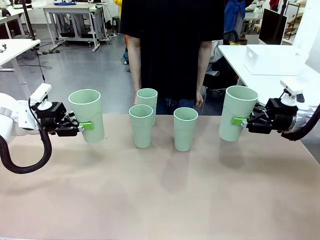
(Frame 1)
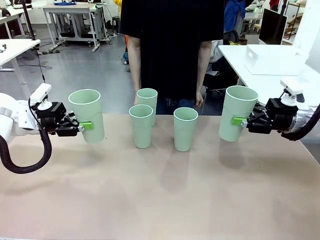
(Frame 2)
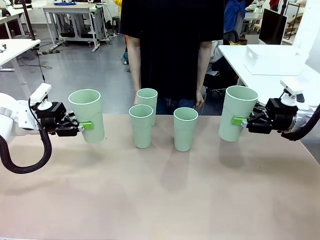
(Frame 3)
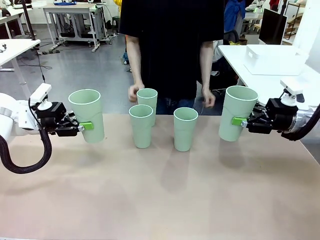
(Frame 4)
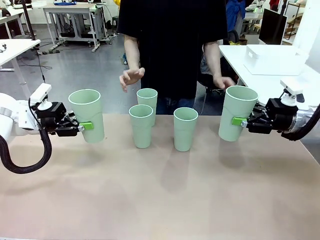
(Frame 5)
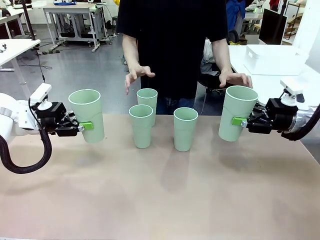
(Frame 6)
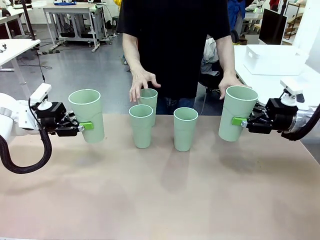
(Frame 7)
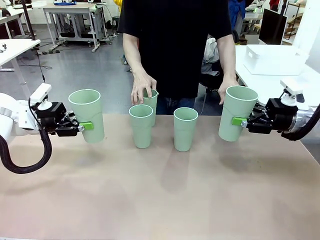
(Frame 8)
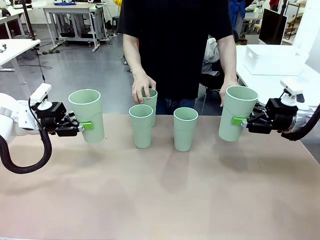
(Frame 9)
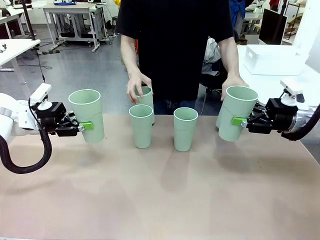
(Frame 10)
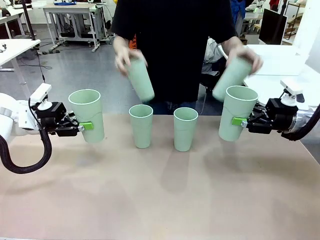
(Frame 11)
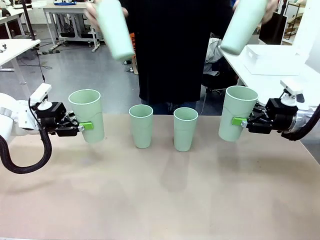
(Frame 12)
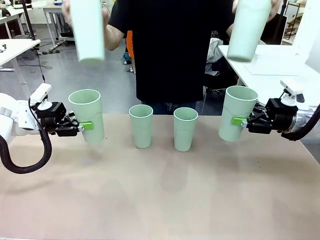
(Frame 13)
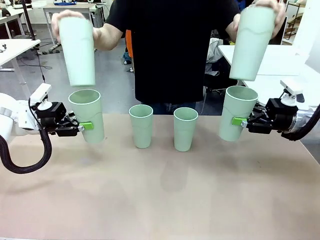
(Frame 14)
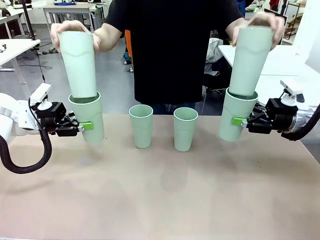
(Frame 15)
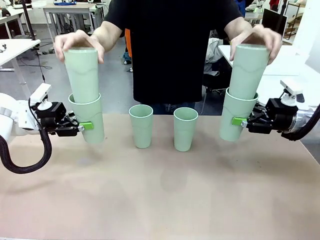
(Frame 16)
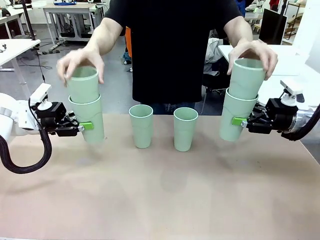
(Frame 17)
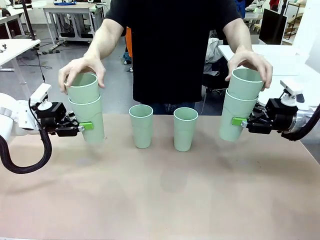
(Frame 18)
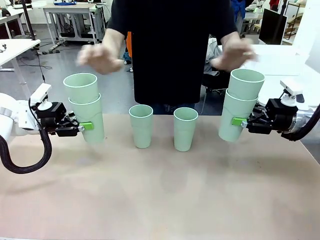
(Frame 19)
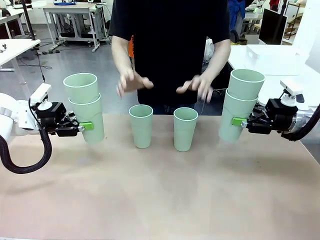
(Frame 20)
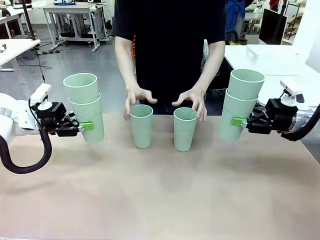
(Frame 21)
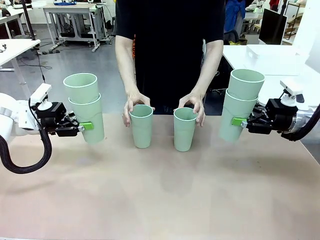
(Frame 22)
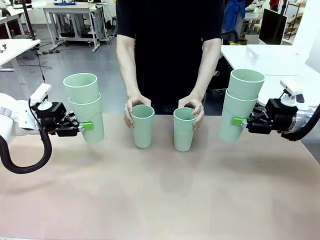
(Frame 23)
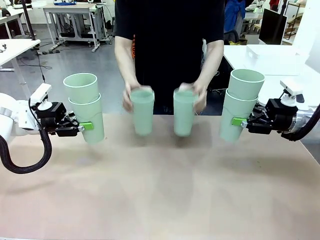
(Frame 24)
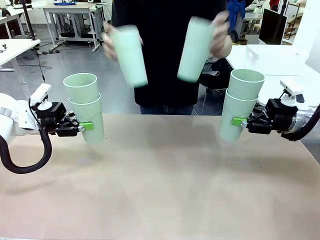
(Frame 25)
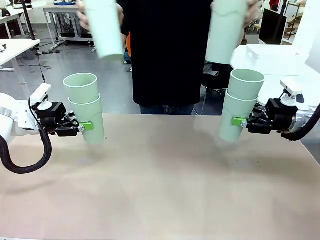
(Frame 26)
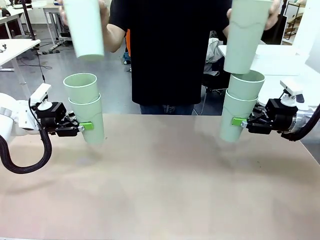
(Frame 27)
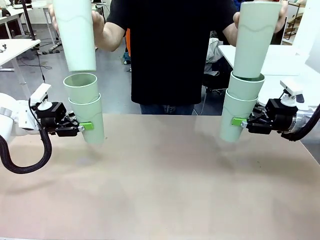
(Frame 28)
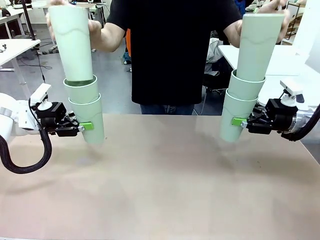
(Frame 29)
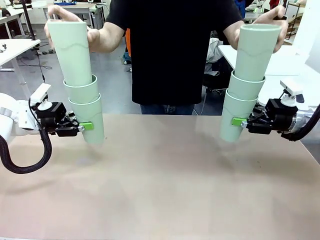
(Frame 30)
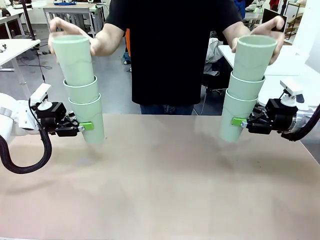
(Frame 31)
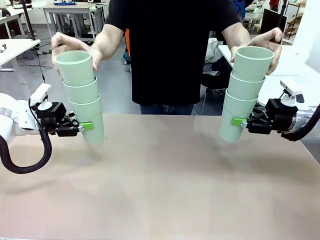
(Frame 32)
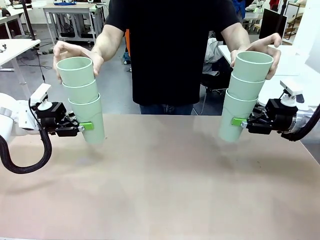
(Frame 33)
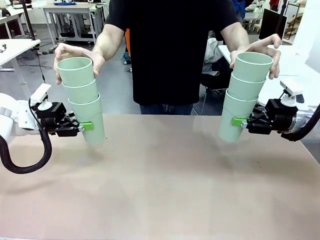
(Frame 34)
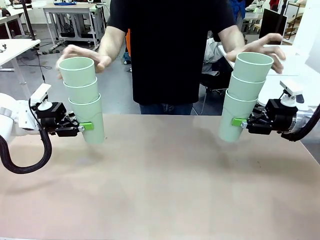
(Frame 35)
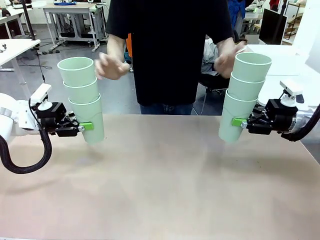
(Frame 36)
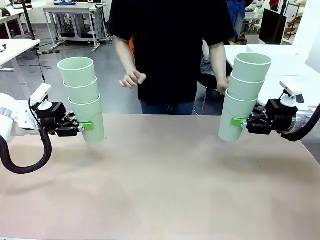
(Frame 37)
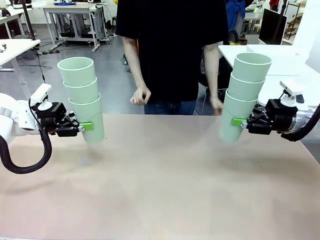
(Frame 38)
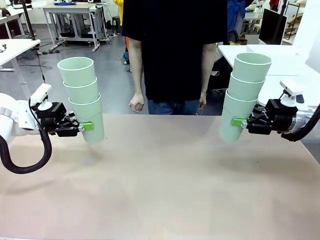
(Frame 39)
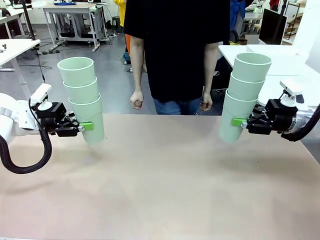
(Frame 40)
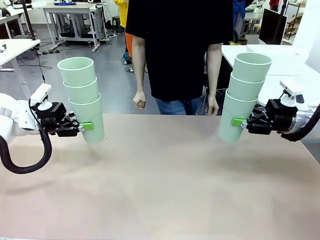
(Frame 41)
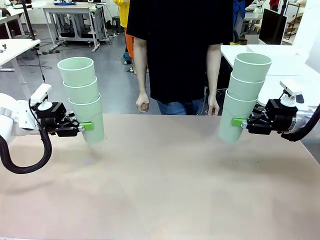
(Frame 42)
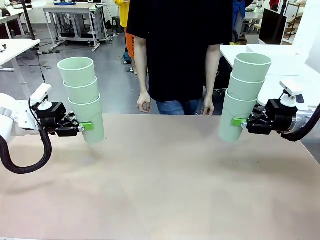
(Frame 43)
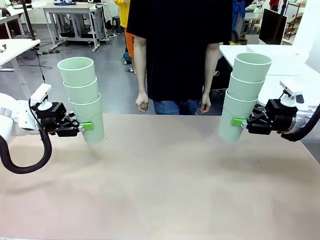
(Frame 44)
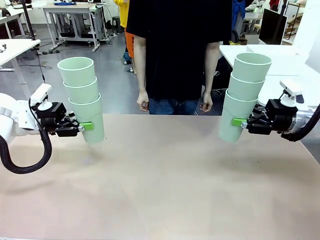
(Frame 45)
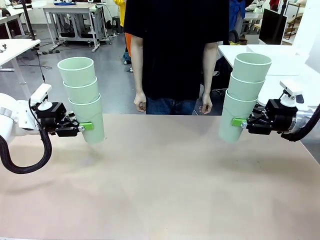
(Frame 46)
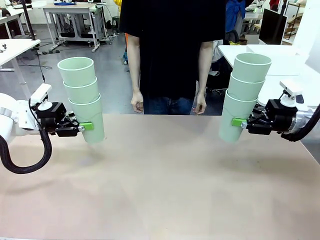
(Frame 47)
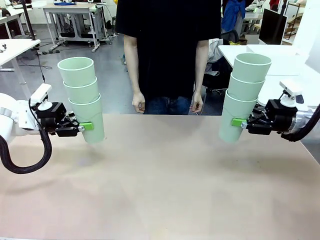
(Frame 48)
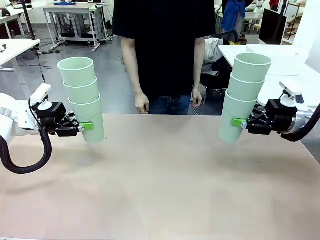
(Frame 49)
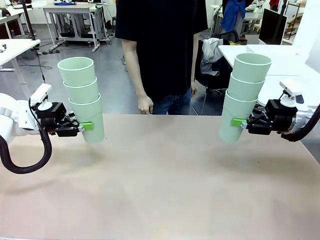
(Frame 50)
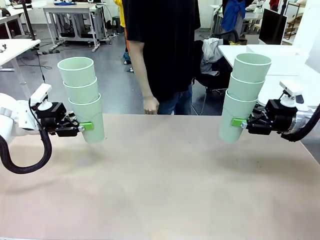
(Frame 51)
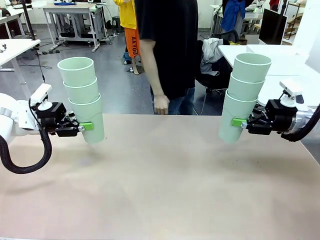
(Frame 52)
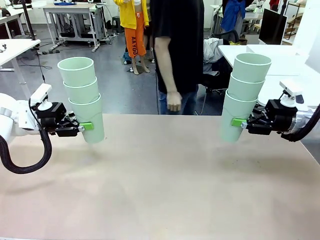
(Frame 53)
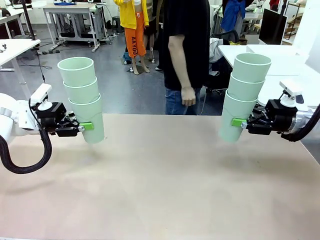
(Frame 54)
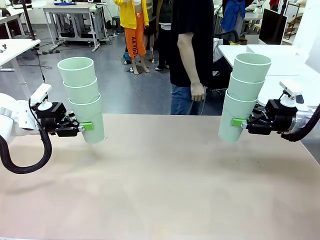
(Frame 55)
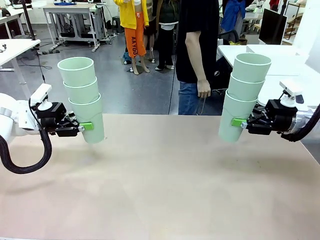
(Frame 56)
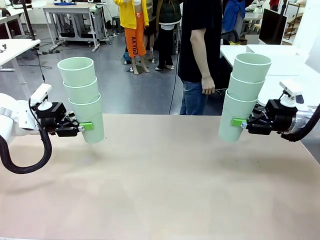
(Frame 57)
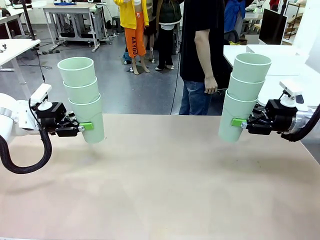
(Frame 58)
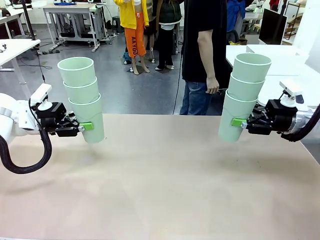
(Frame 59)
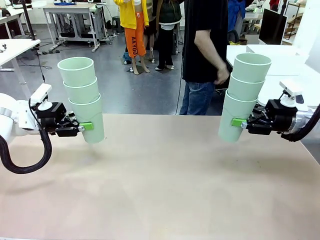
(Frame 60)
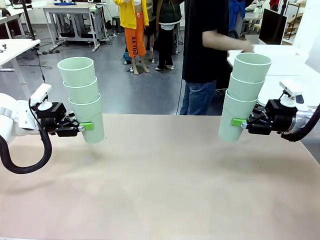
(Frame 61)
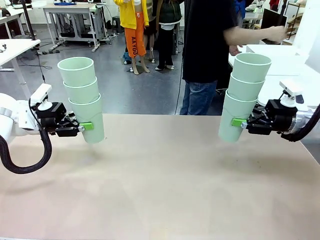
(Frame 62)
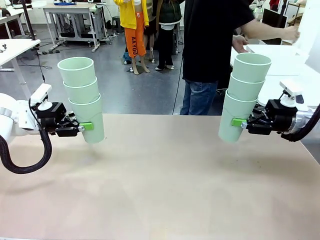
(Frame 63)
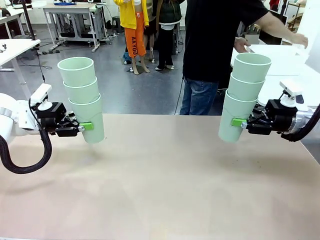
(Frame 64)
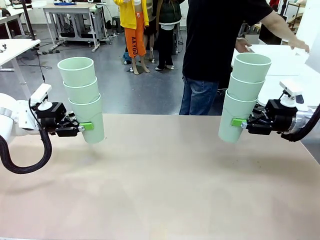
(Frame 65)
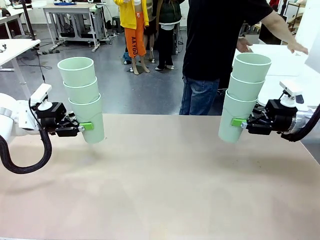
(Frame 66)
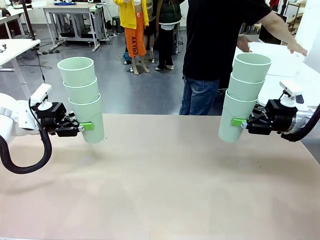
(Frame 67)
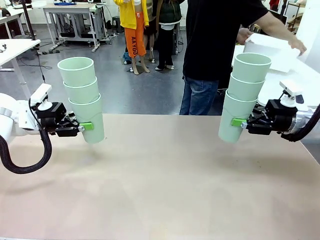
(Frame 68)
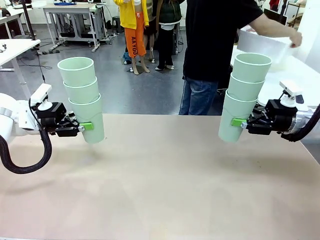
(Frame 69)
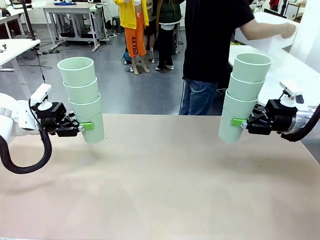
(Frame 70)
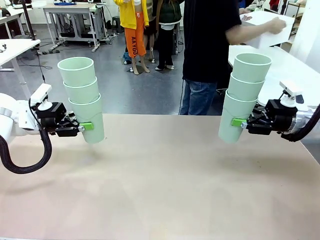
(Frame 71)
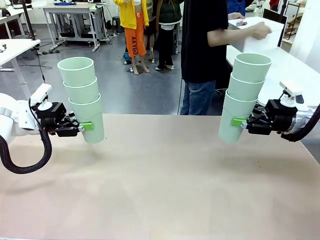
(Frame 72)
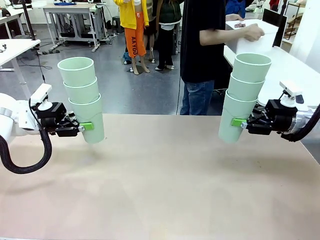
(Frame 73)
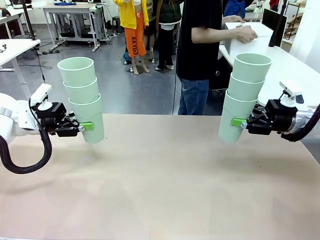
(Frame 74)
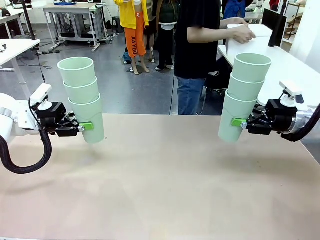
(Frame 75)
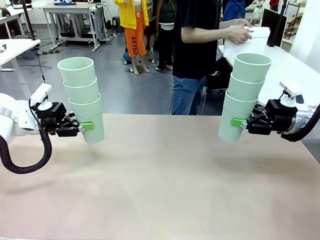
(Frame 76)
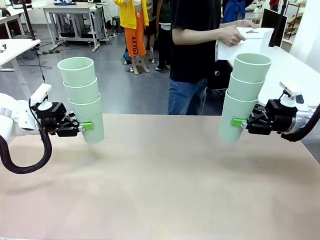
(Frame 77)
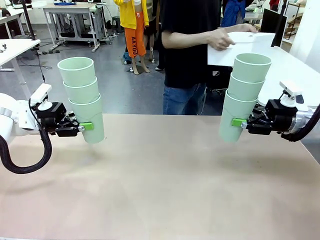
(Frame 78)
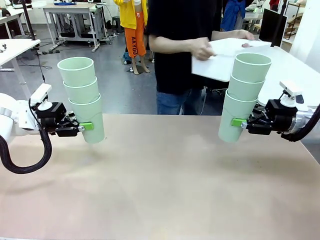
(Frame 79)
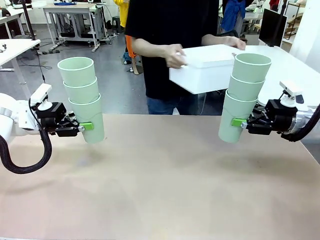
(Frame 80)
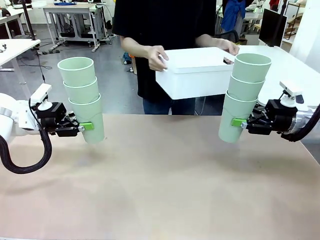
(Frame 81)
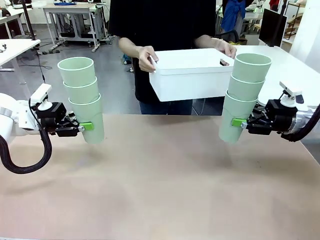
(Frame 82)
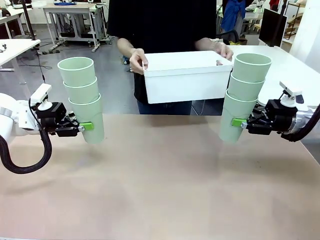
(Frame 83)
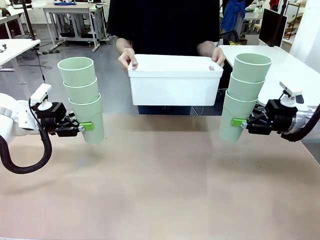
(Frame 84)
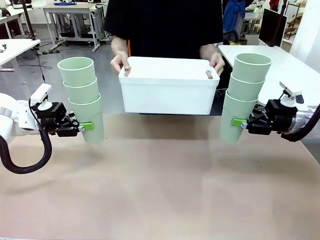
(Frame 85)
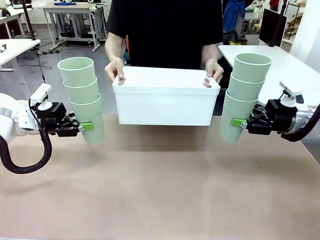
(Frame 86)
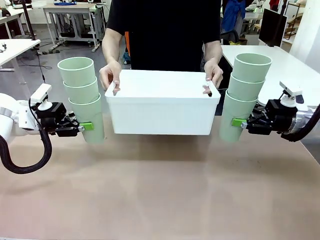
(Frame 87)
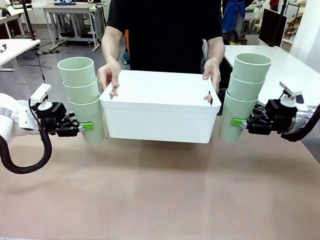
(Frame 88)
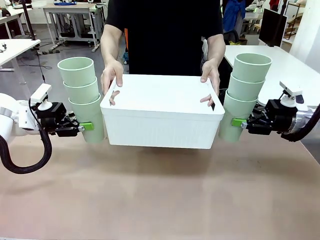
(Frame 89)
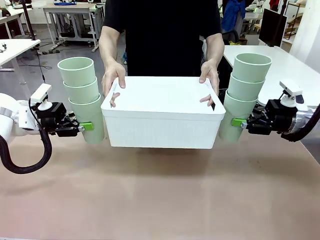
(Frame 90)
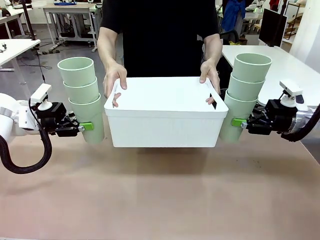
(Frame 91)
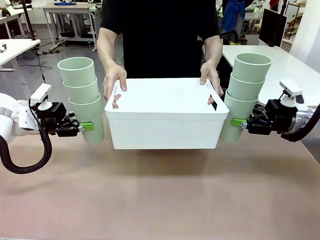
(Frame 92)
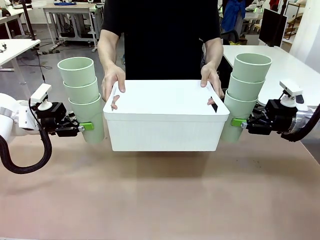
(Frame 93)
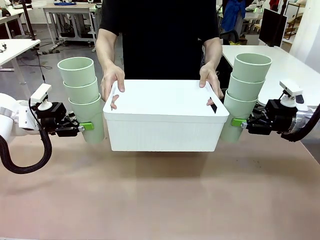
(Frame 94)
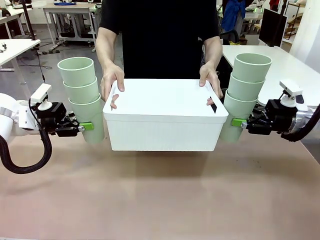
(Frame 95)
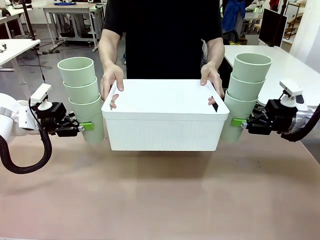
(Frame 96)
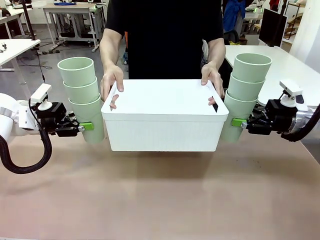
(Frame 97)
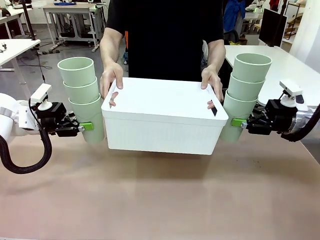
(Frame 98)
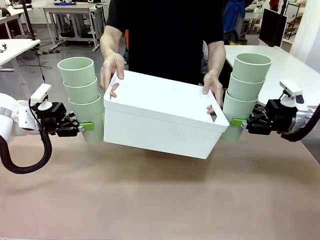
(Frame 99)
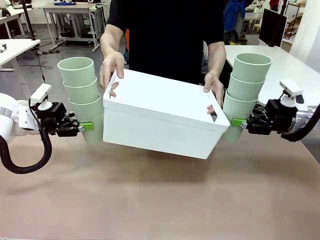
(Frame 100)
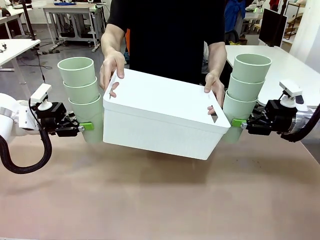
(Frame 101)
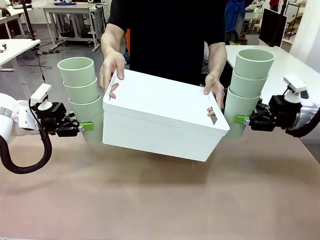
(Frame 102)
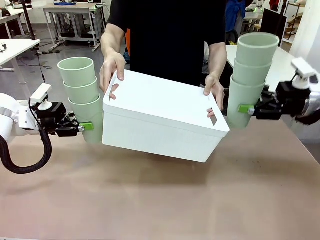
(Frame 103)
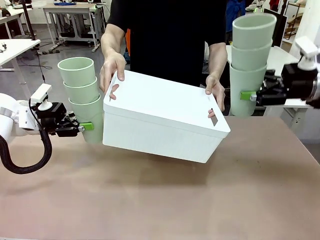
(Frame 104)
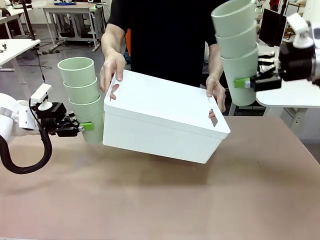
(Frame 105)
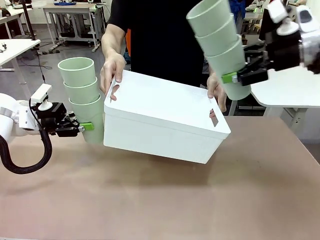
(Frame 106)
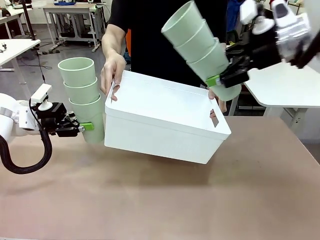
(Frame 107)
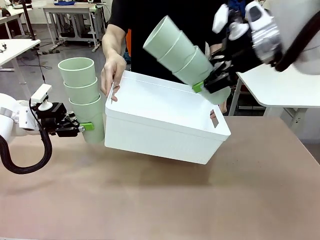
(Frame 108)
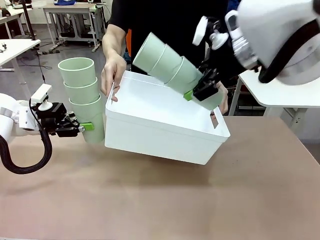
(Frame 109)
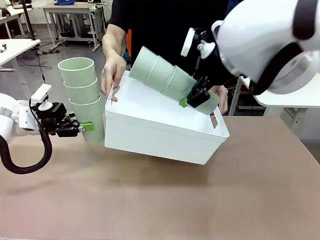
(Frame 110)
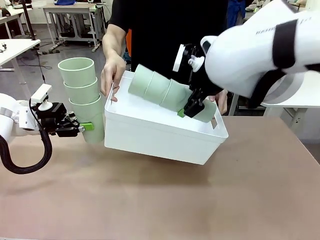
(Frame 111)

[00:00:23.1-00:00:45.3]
Task: Stack the cups and store them in the basket.
Robot: Place the stack of Reusable plastic cups into the Pantry Basket.
Person: Pick up the basket from the Human Table, bring it to the front of the robot, and present it.
